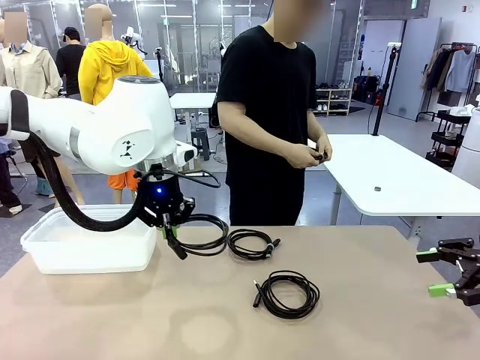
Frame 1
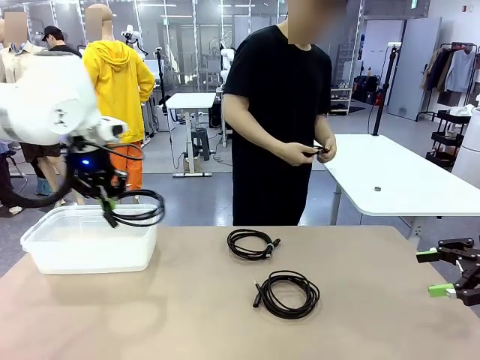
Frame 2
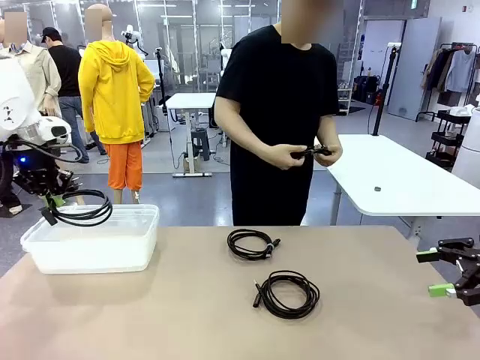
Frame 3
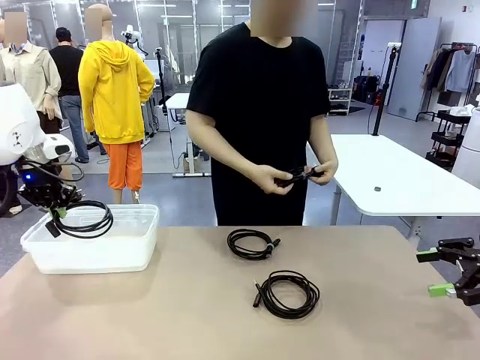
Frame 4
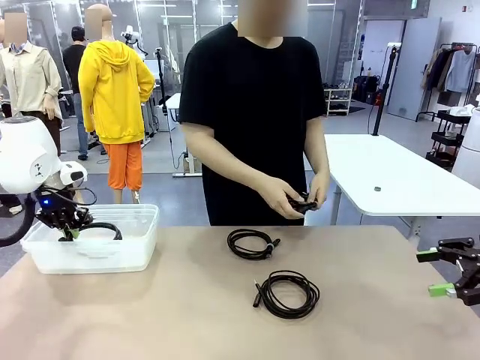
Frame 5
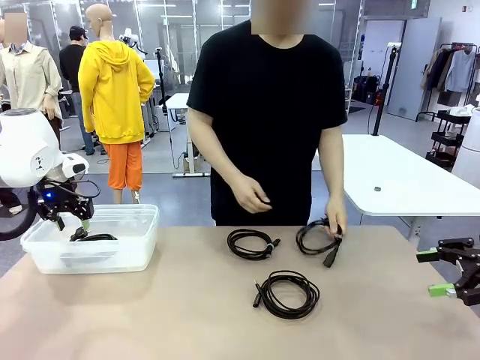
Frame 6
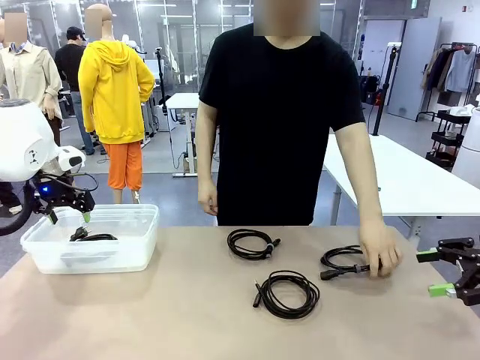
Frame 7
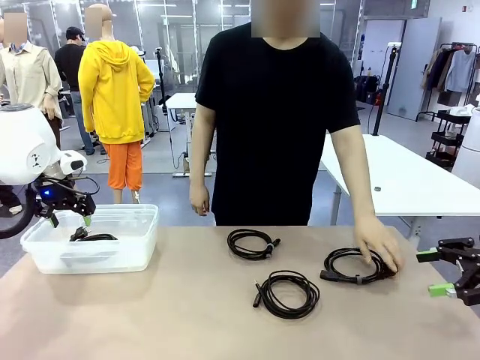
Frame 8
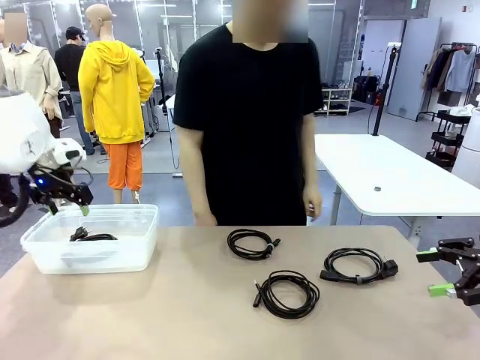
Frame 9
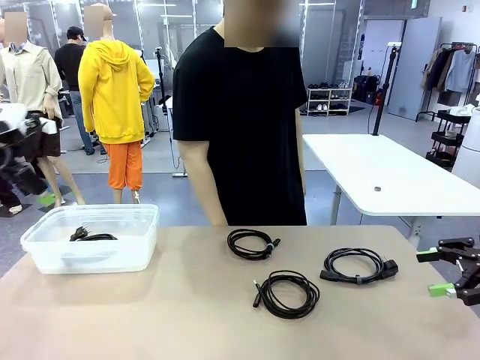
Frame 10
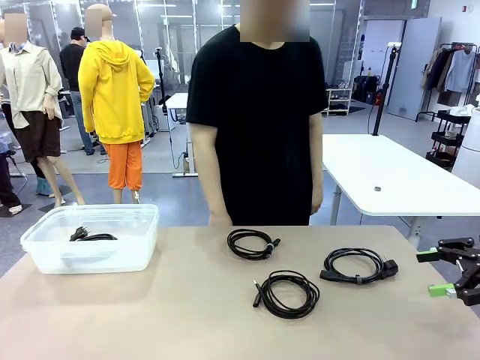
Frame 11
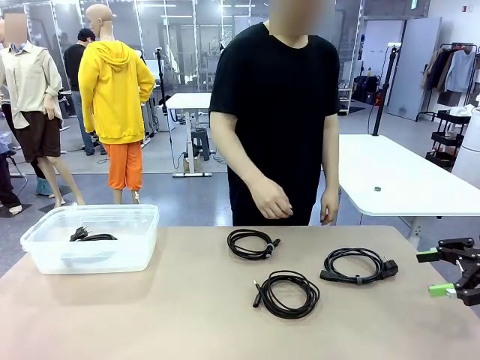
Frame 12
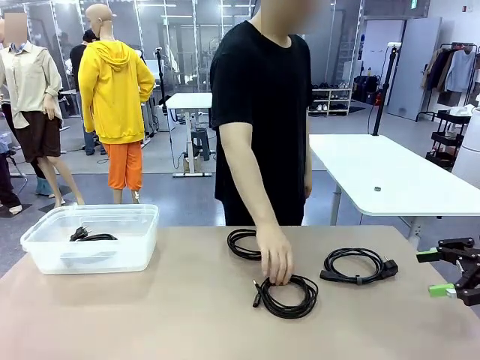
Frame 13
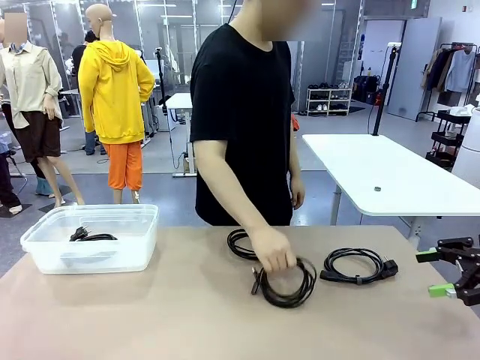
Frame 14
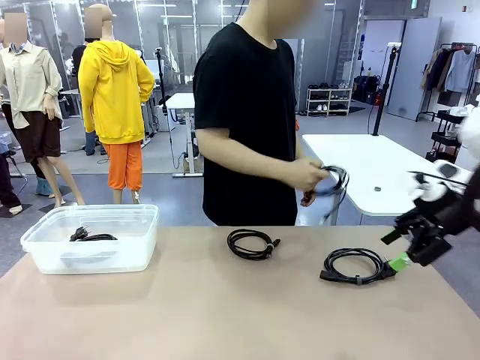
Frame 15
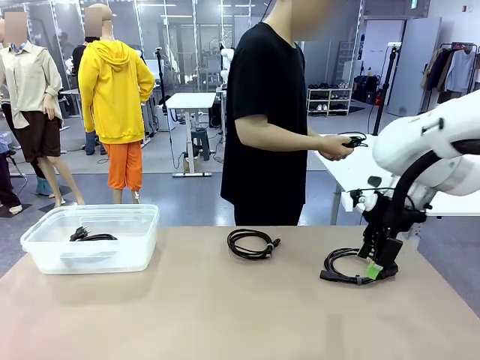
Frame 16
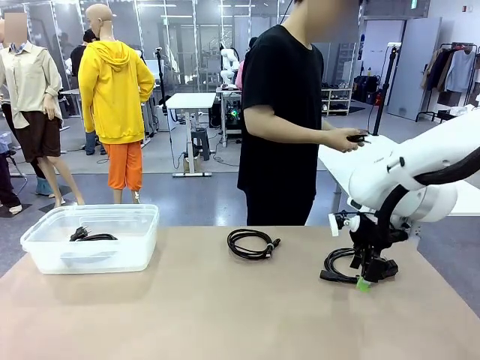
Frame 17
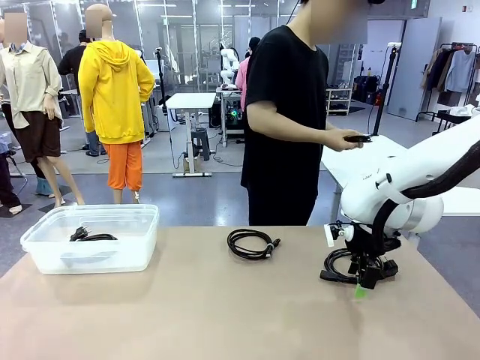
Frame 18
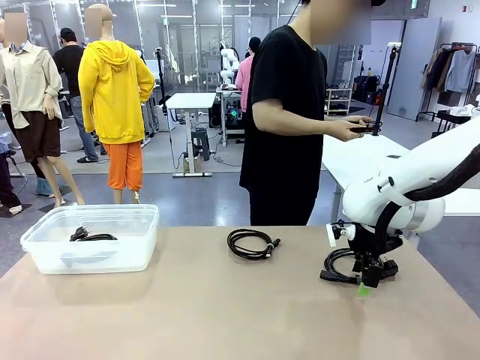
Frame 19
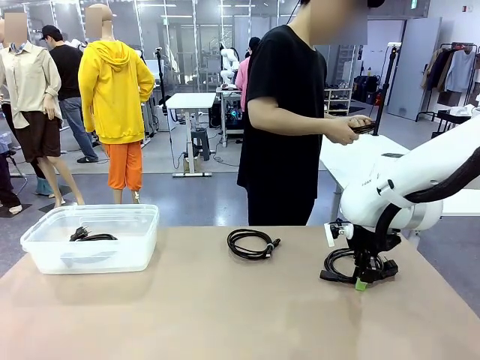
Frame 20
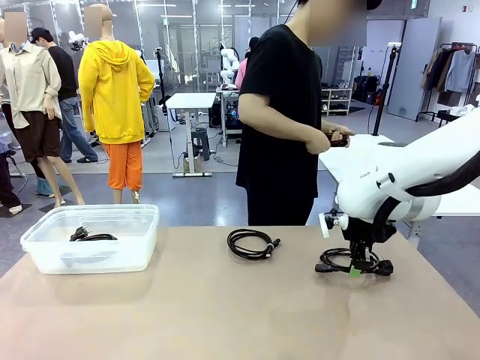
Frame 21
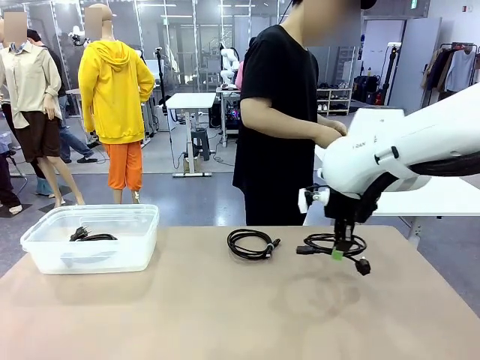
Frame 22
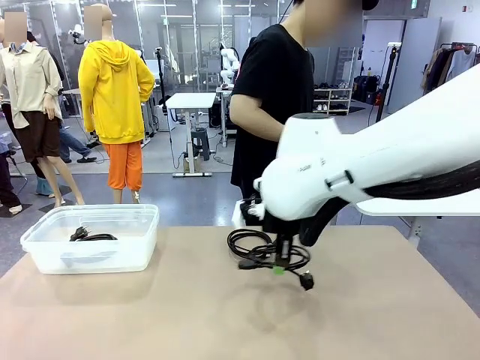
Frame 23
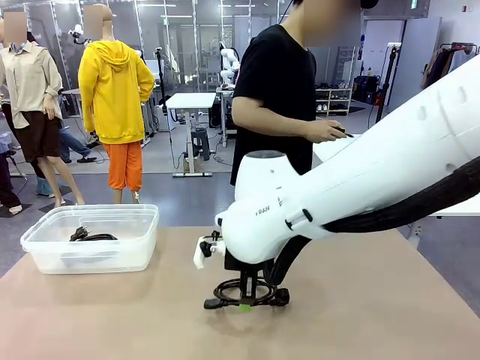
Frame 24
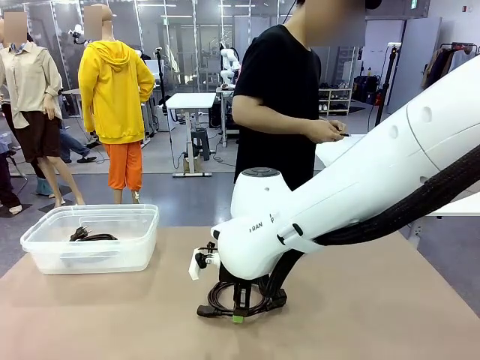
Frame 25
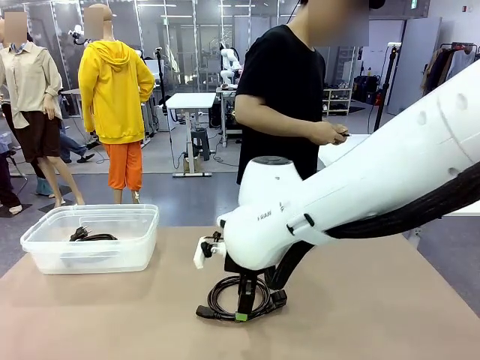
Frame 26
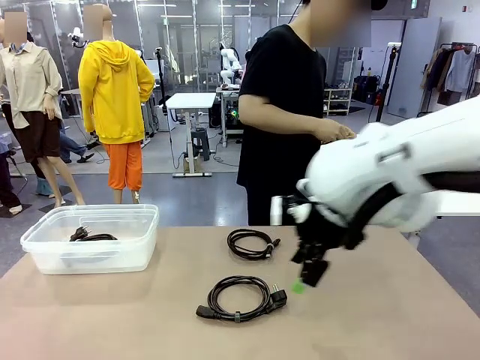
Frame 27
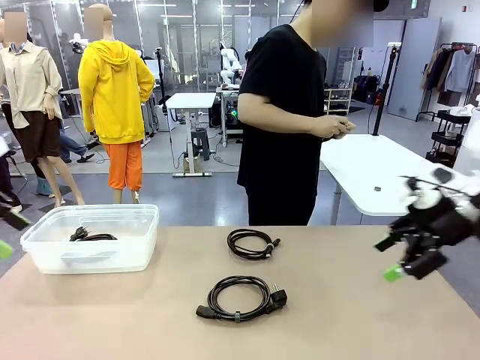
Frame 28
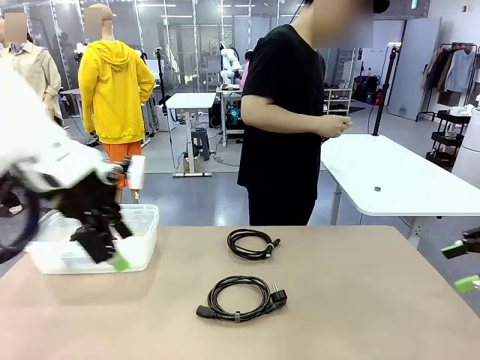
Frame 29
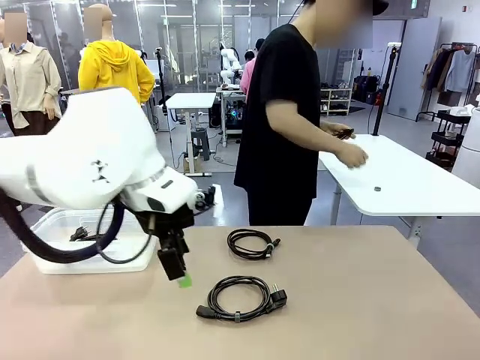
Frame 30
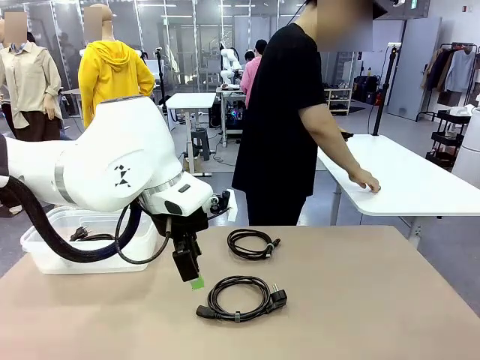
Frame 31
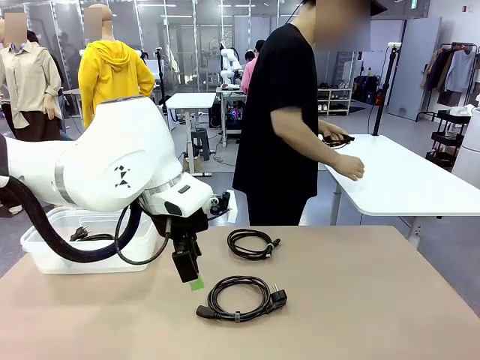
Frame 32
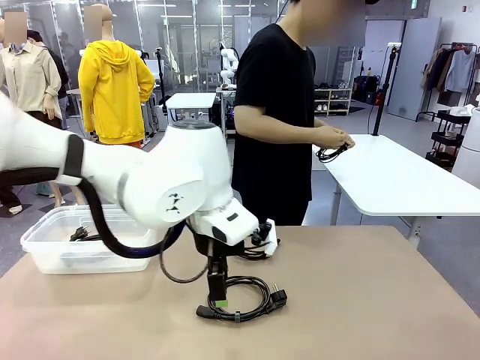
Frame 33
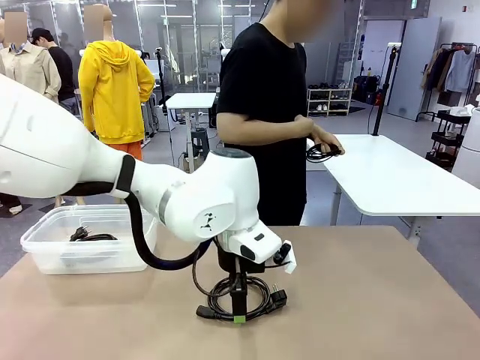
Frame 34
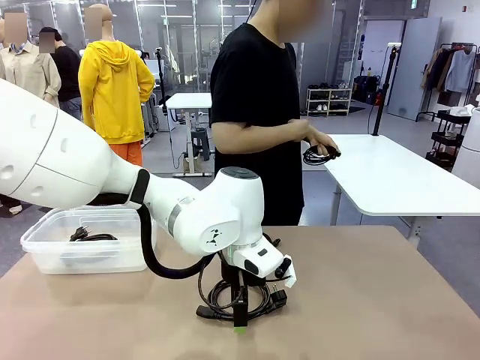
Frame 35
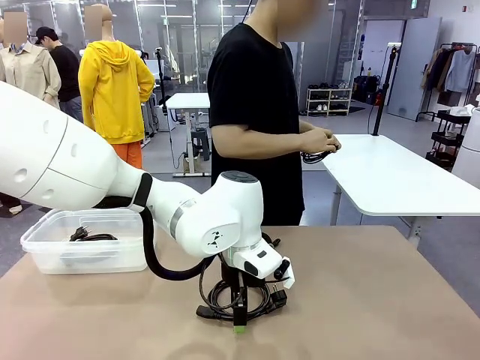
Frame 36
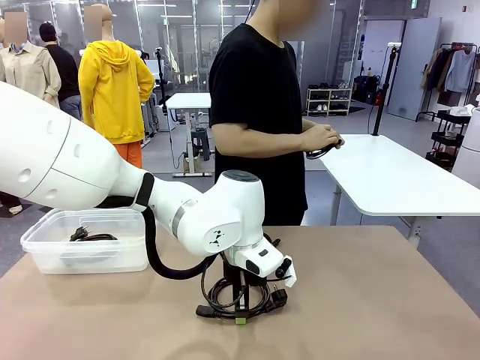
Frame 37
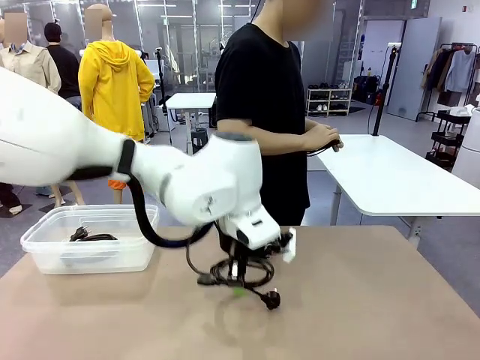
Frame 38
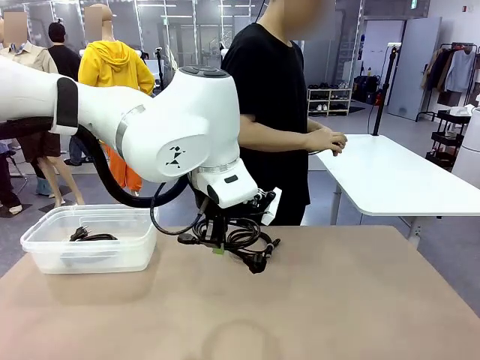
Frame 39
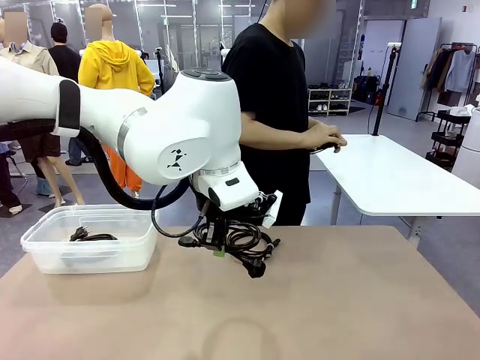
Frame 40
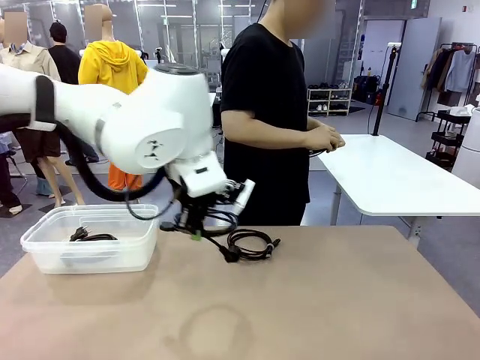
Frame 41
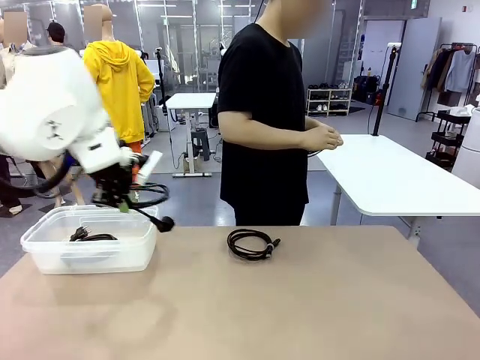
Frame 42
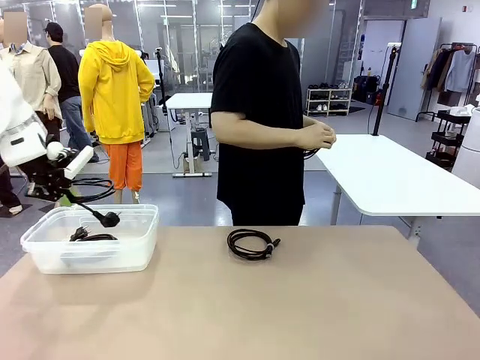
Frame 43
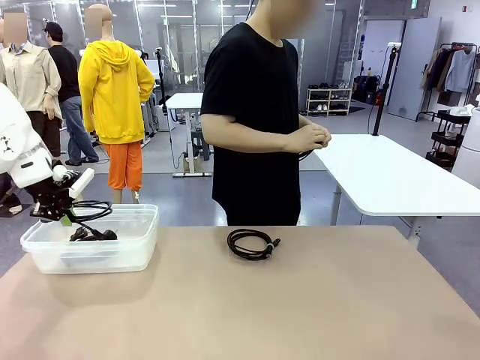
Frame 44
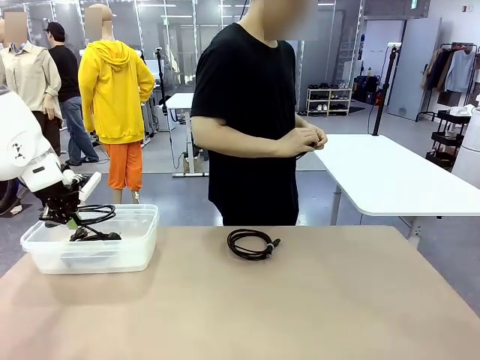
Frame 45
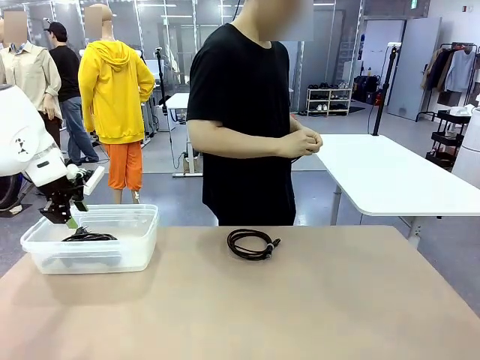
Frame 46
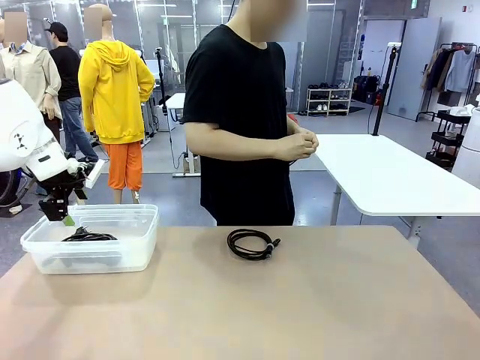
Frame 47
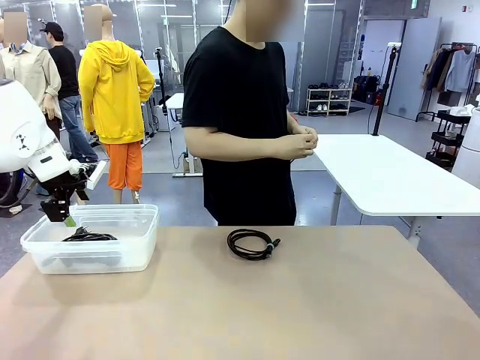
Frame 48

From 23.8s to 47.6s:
Task: Organize and store the cables.
Robot: Place the Power Cable into the Organizing box.

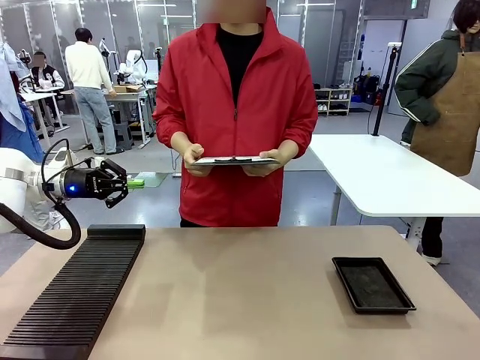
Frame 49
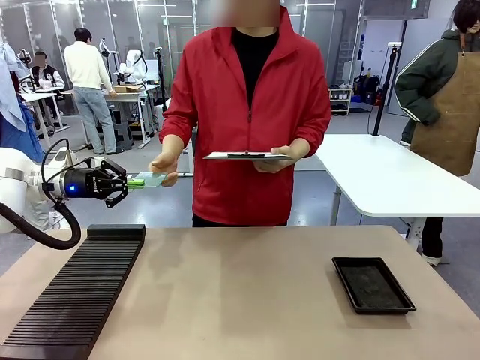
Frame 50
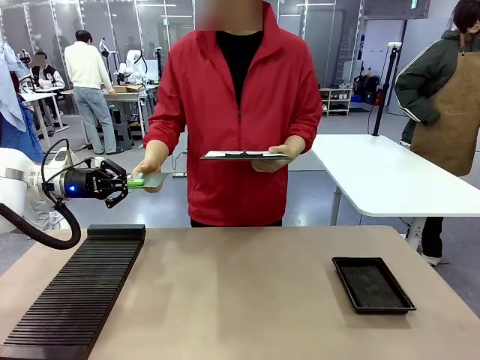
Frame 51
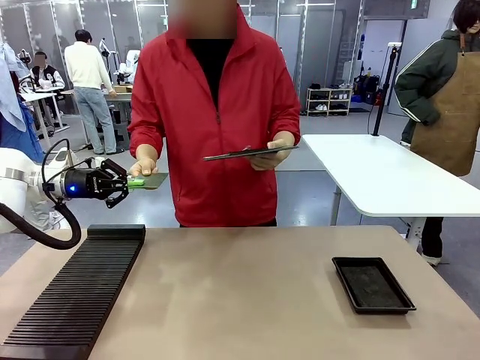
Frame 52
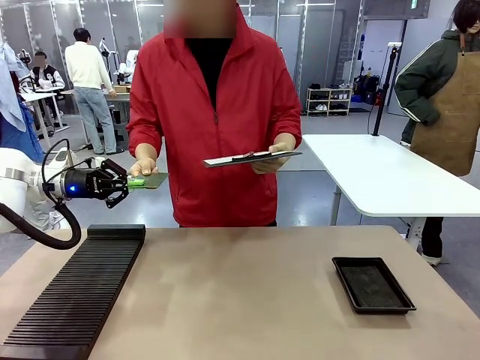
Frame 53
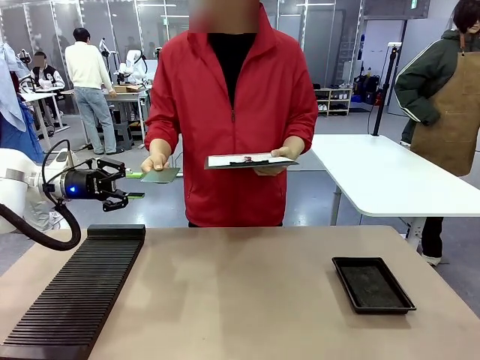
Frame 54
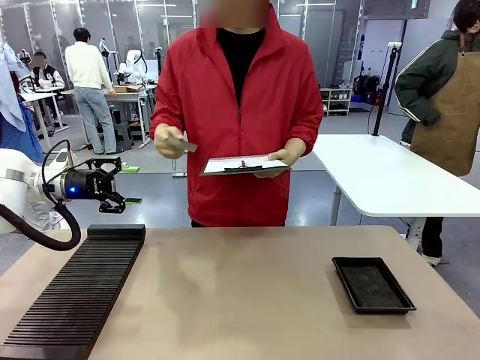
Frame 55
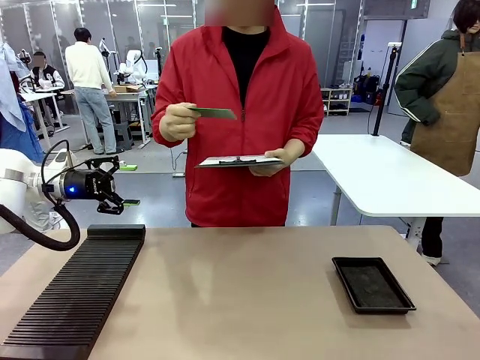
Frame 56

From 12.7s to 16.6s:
Task: Inspect the PCB.
Robot: Release the Blank PCB you were holding.
